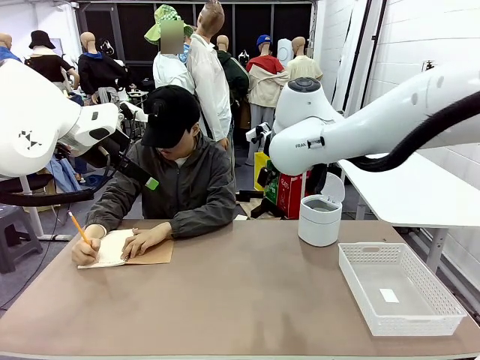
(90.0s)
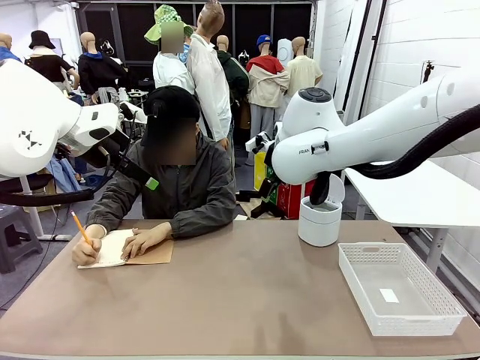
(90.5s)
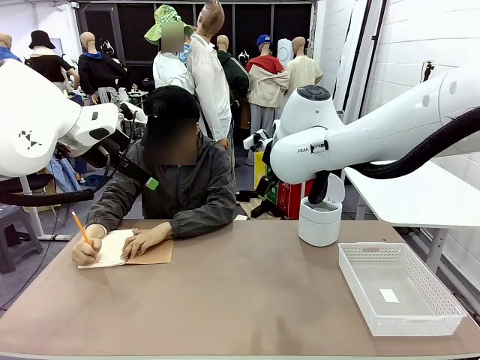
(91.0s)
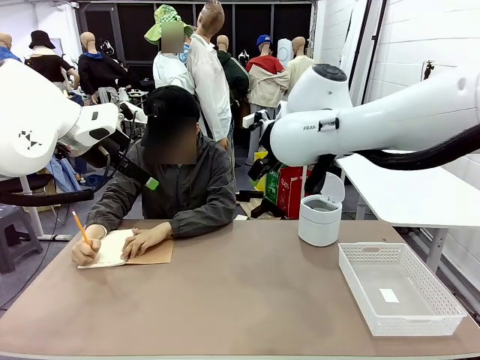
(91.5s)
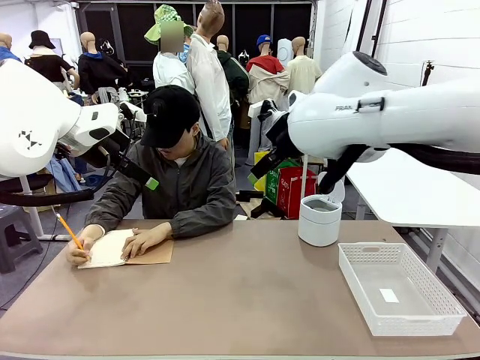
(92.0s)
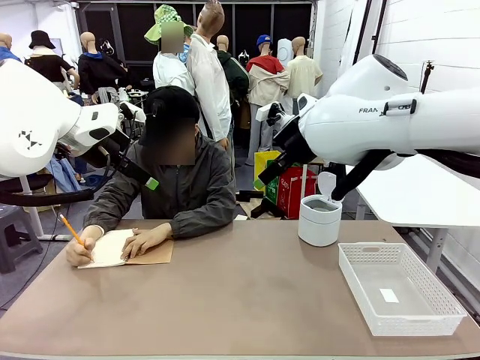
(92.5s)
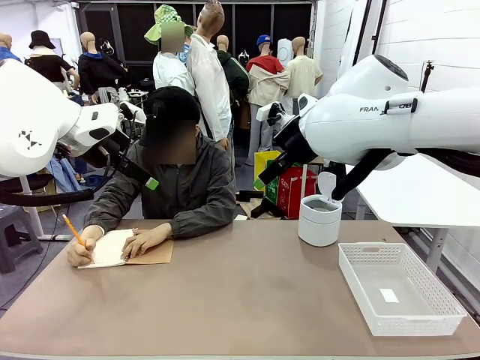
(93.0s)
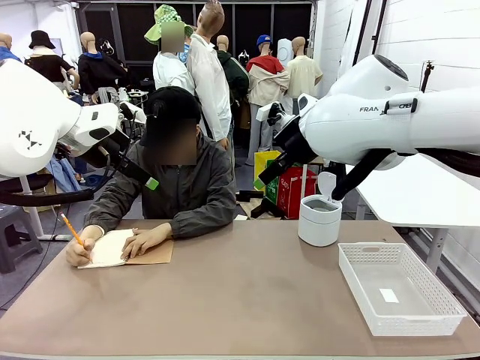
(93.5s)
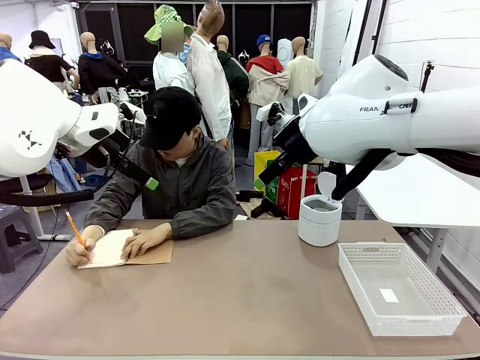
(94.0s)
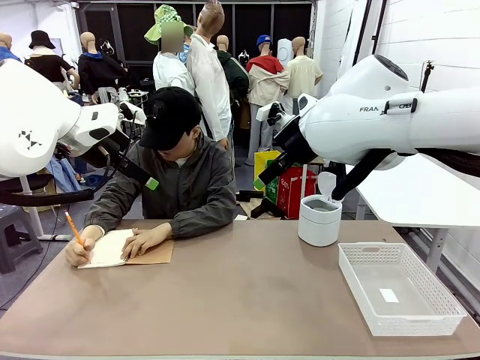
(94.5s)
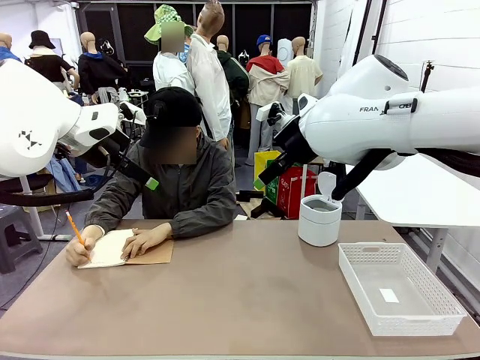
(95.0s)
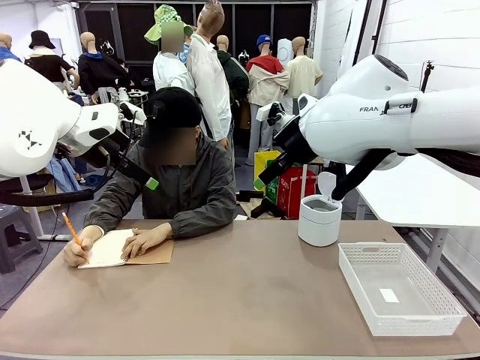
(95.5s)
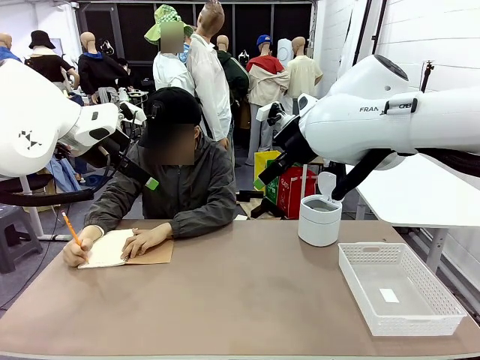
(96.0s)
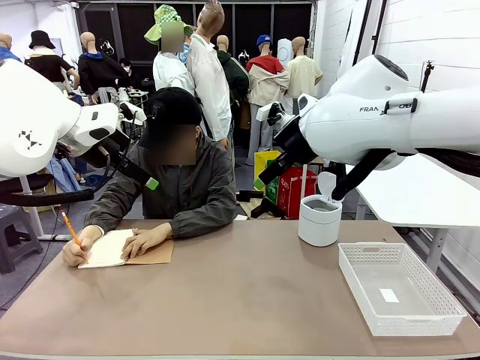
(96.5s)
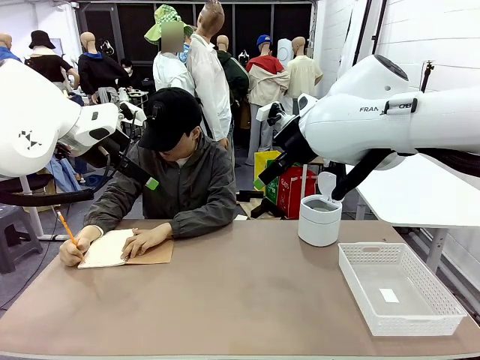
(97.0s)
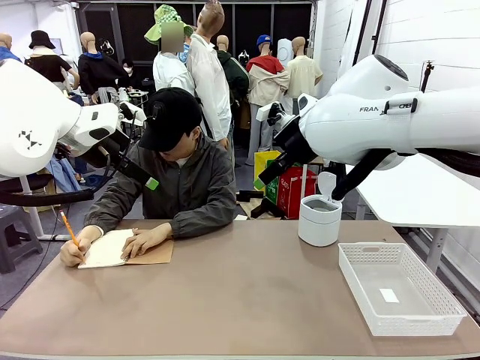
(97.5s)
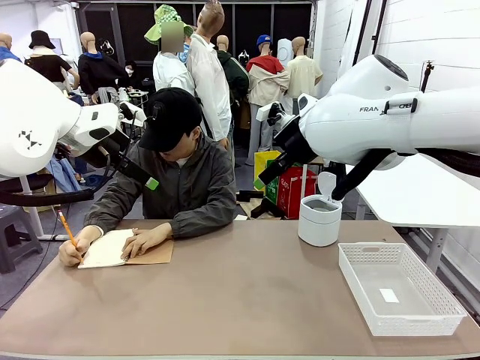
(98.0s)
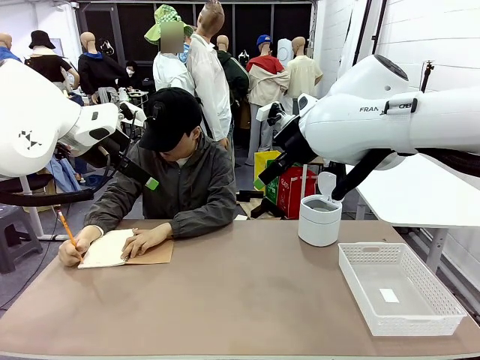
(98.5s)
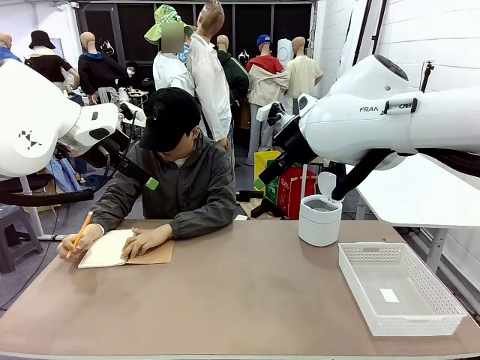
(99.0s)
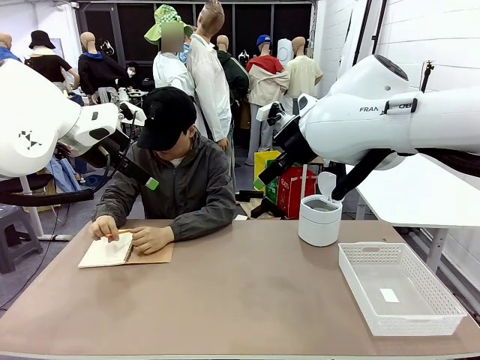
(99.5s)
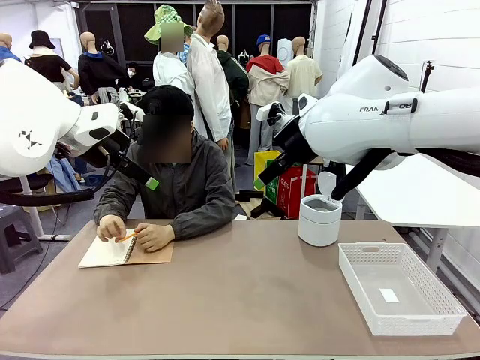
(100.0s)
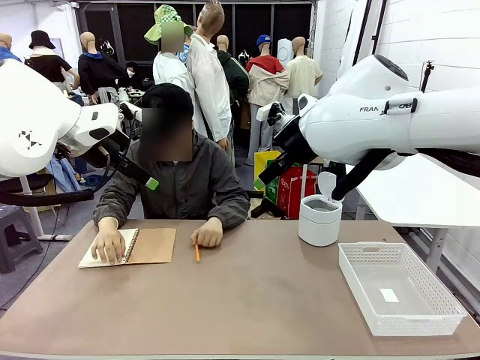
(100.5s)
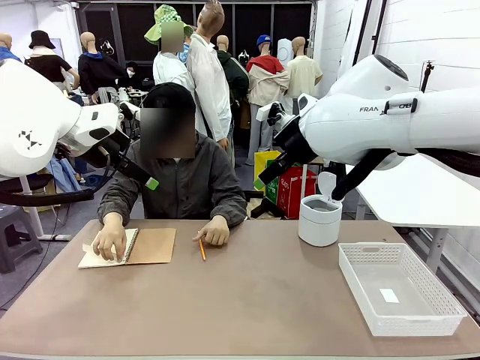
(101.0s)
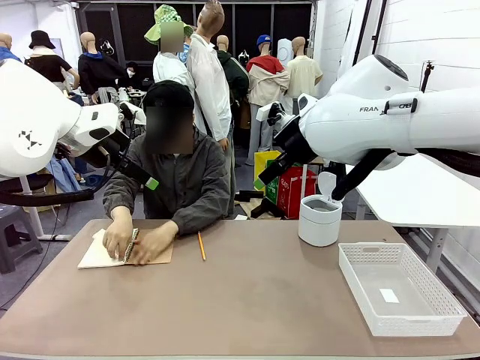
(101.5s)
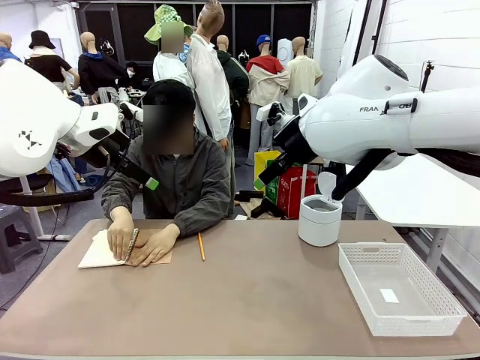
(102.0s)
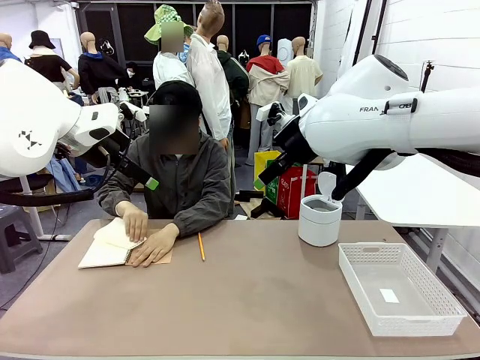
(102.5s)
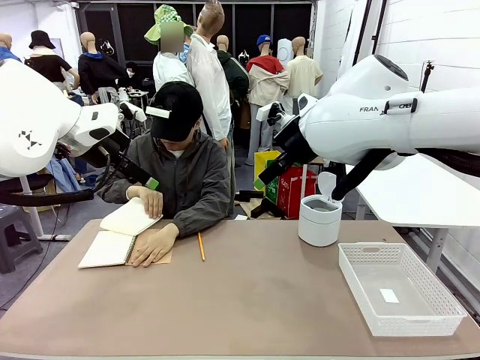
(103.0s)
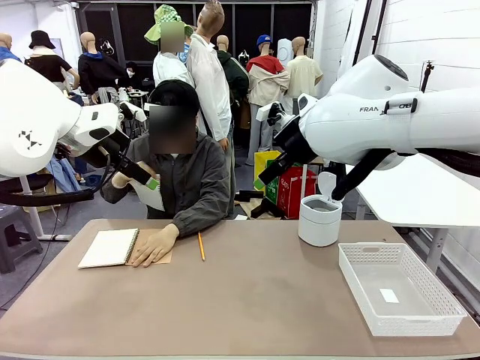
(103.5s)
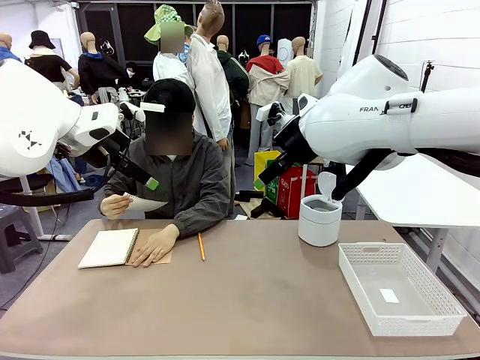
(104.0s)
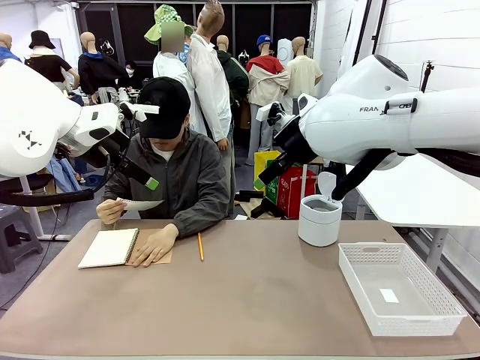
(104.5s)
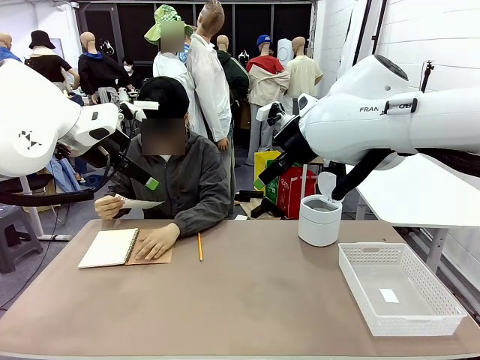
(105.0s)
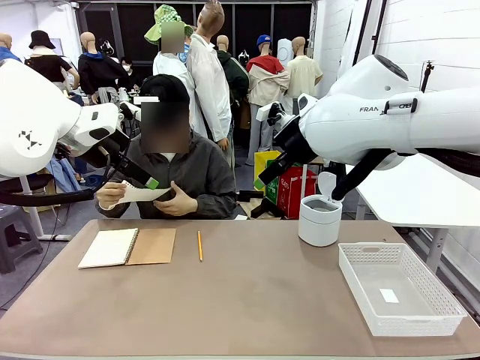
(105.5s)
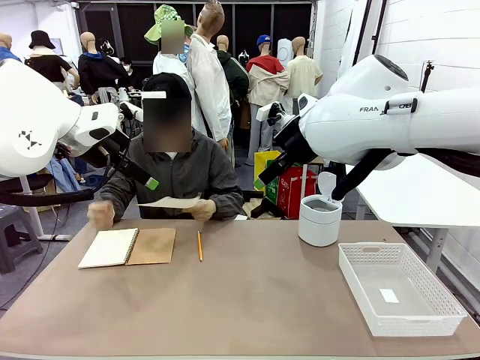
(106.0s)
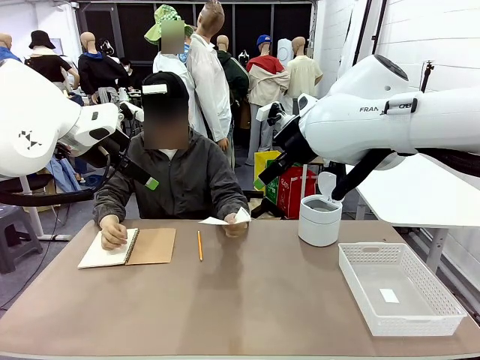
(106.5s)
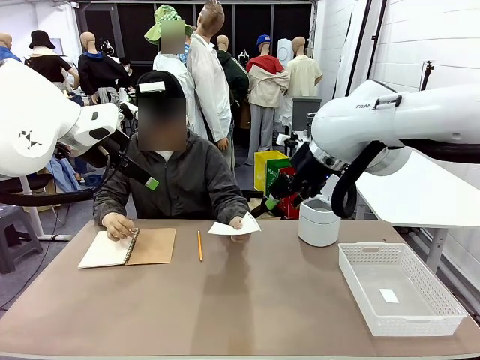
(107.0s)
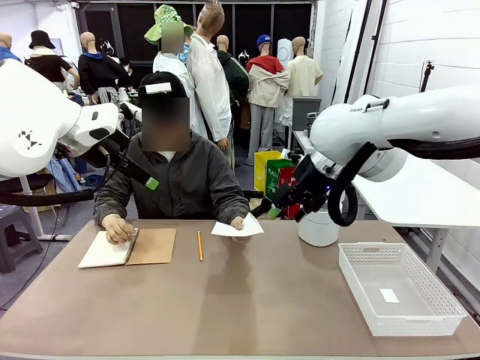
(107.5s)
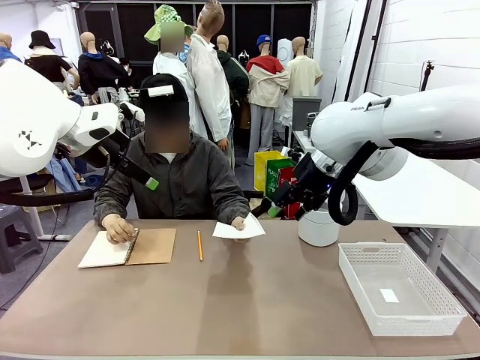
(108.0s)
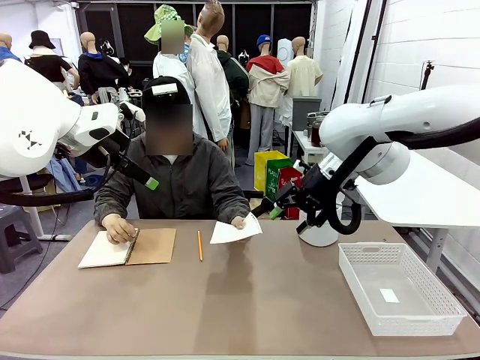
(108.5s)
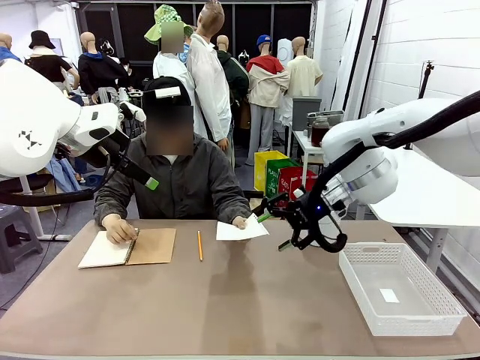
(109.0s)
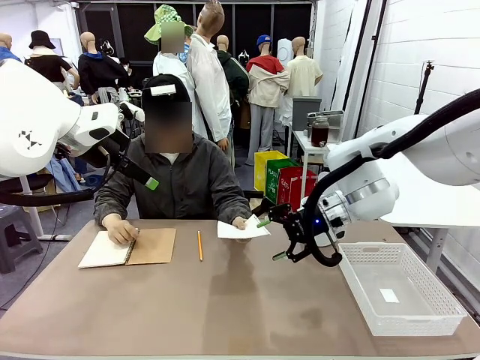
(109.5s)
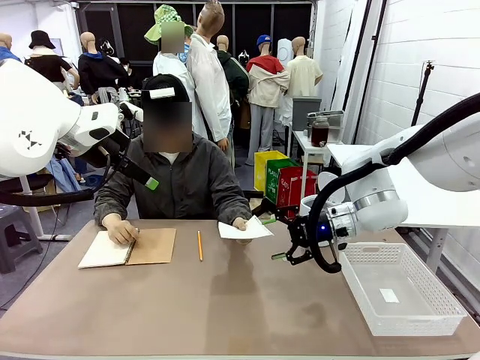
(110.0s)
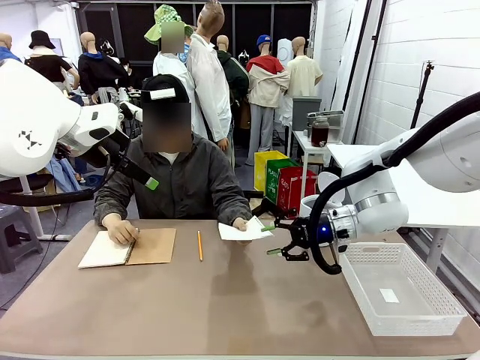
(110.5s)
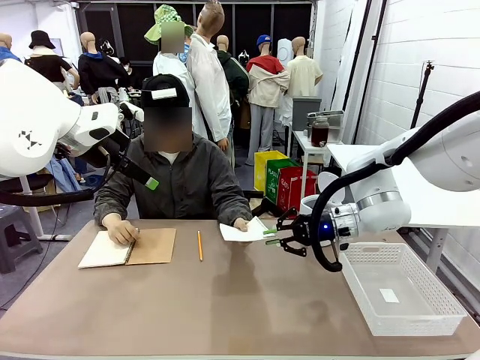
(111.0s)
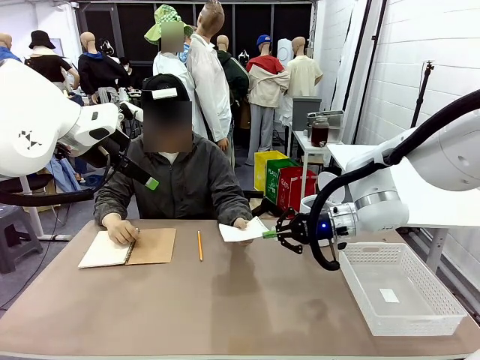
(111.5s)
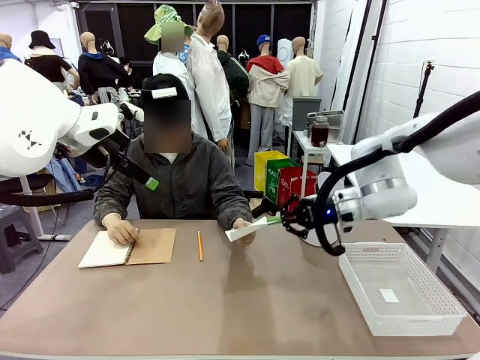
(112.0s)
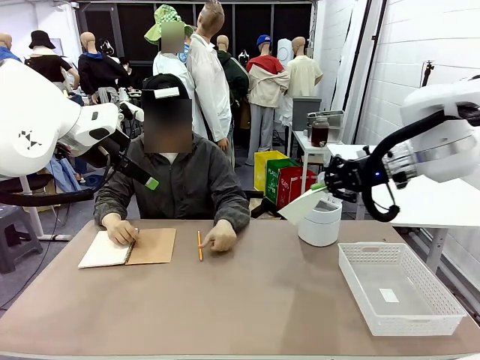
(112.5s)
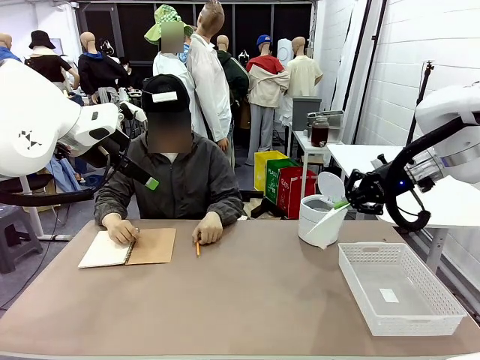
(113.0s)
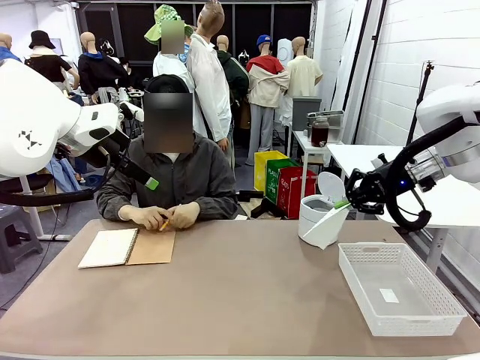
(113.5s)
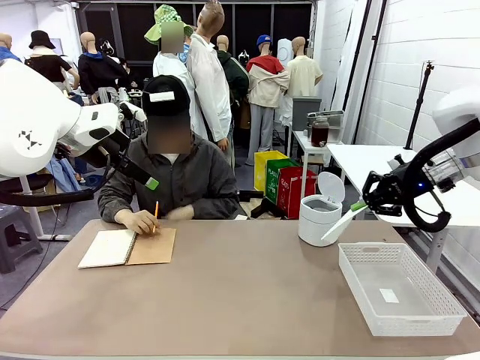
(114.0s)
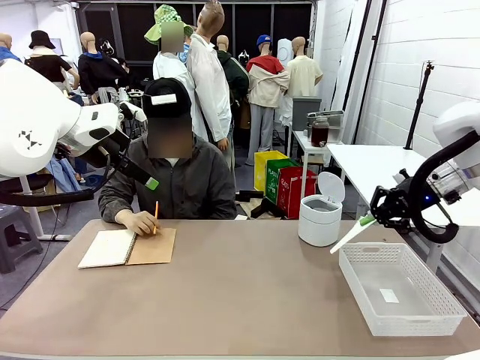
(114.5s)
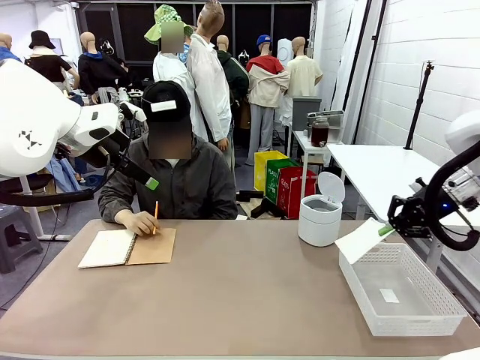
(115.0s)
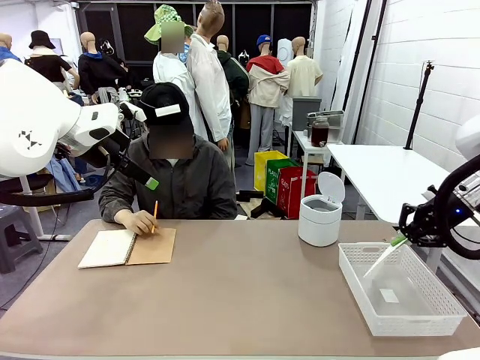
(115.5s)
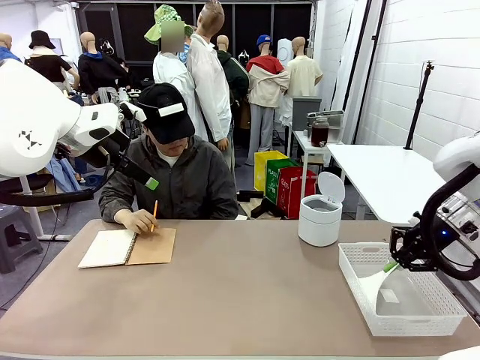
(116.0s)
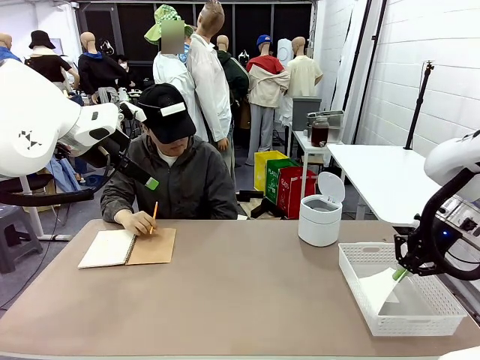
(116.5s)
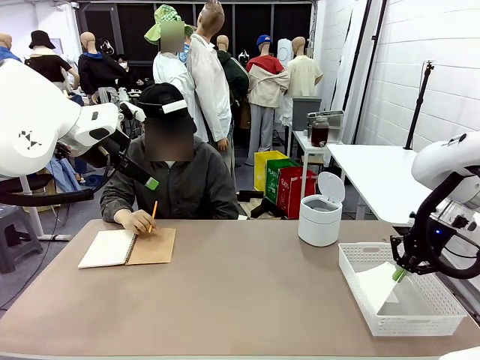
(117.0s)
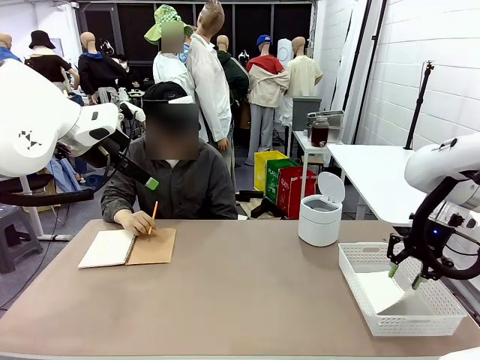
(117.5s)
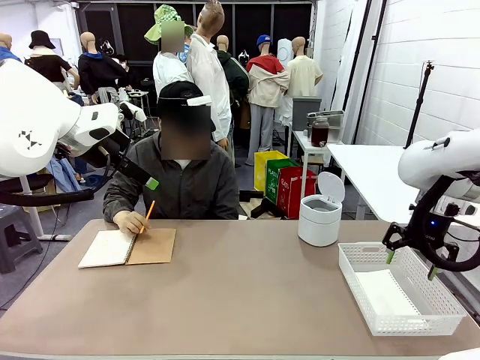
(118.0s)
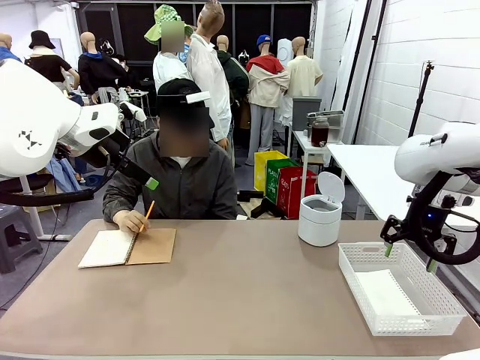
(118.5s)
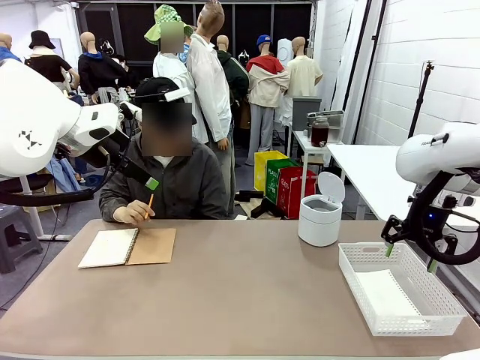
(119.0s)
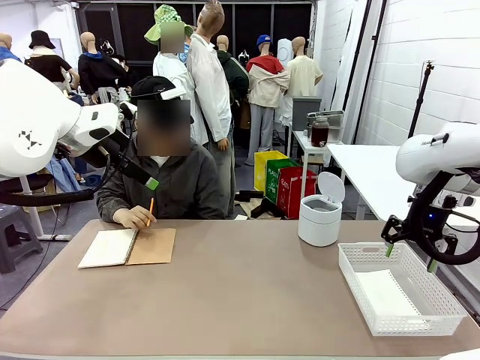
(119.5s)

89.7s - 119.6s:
Task: Sort the paper based on its condition.
Robot: If a person hands you a paper, place it in the Organizing basket , and if it's crumpled, put it in the Trash can.
Person: Tear out a page from the spiral notebook. Hand the torn page to the robot or crumple it and throw it to the center of the table.
